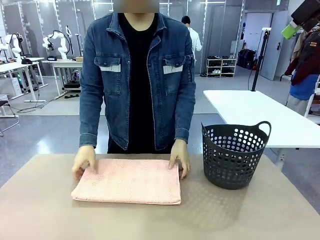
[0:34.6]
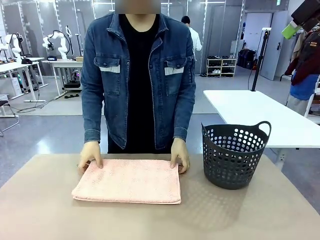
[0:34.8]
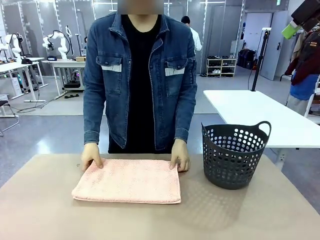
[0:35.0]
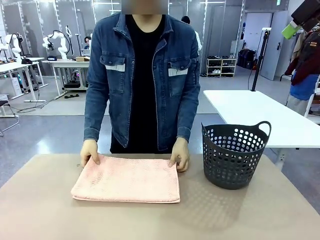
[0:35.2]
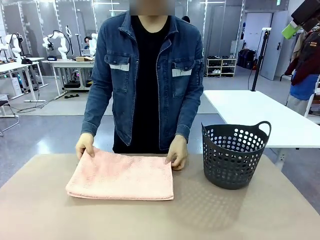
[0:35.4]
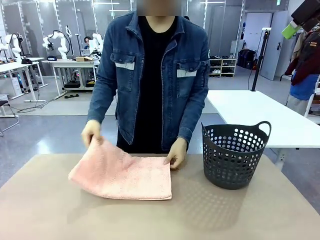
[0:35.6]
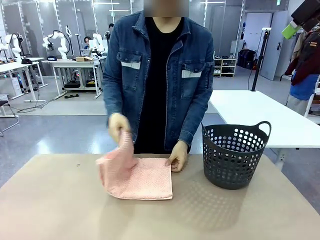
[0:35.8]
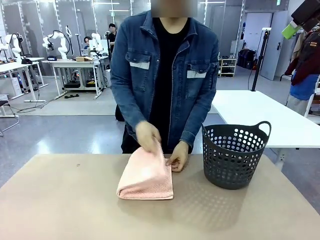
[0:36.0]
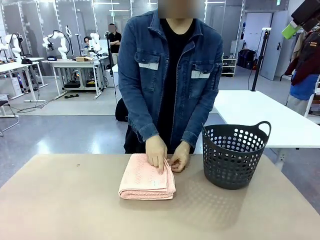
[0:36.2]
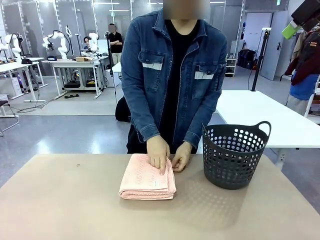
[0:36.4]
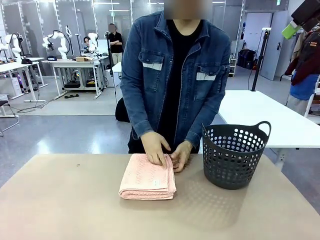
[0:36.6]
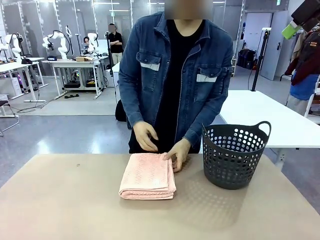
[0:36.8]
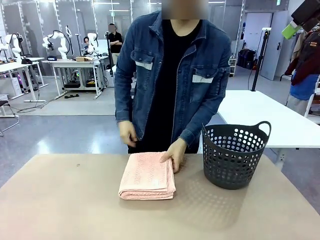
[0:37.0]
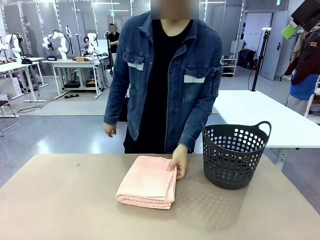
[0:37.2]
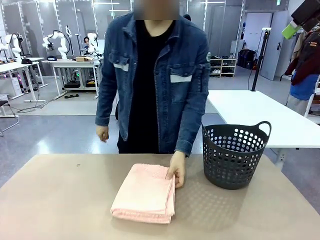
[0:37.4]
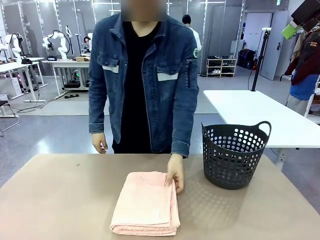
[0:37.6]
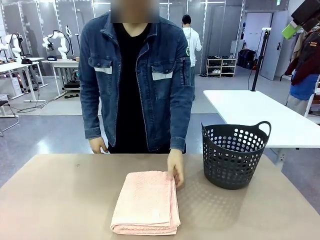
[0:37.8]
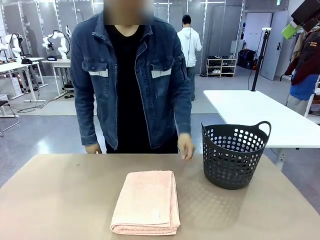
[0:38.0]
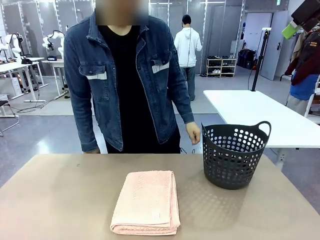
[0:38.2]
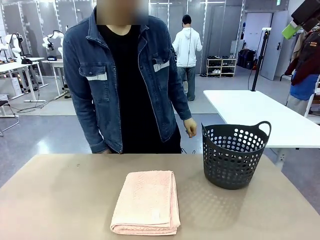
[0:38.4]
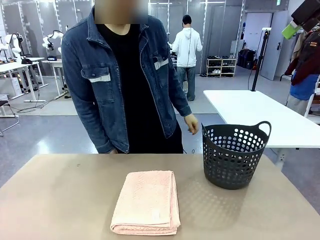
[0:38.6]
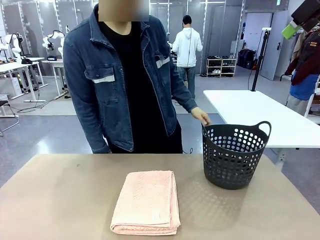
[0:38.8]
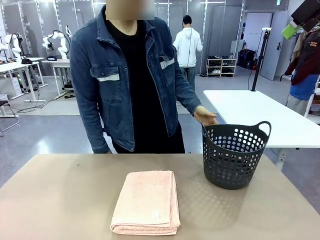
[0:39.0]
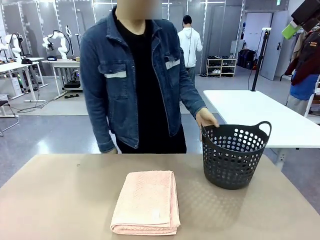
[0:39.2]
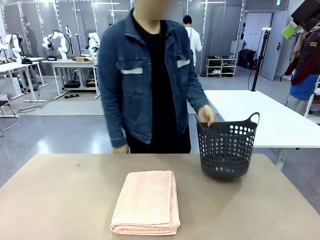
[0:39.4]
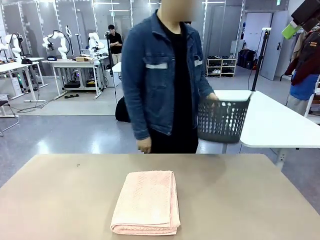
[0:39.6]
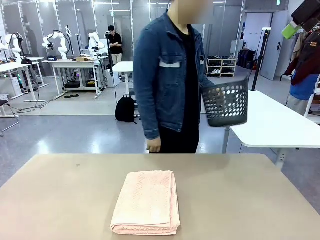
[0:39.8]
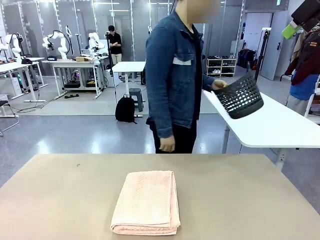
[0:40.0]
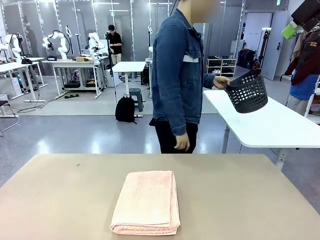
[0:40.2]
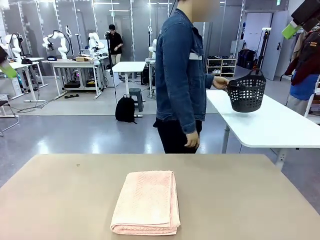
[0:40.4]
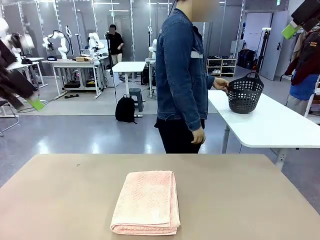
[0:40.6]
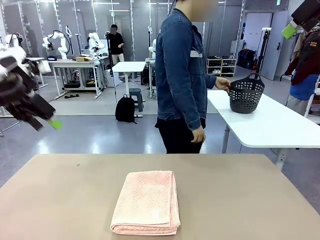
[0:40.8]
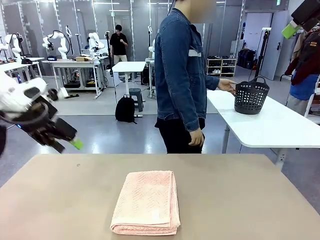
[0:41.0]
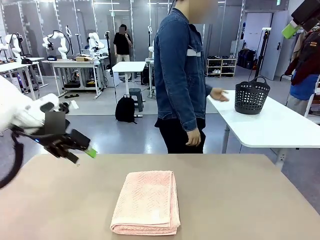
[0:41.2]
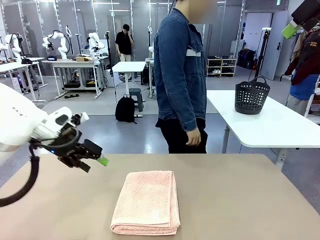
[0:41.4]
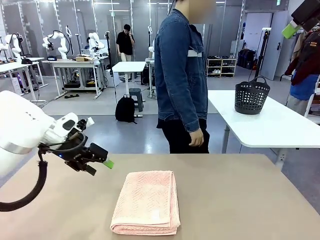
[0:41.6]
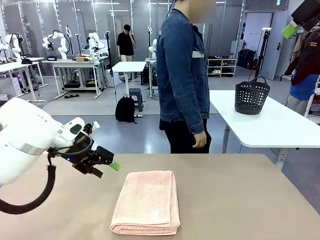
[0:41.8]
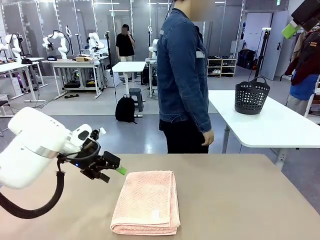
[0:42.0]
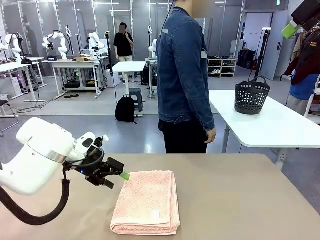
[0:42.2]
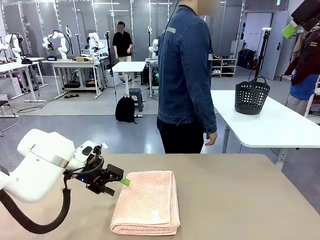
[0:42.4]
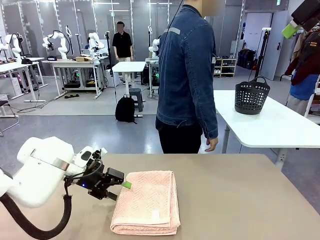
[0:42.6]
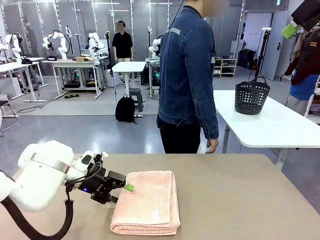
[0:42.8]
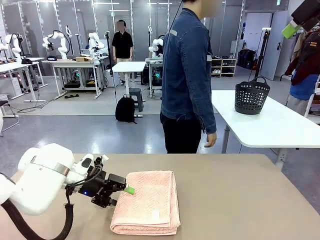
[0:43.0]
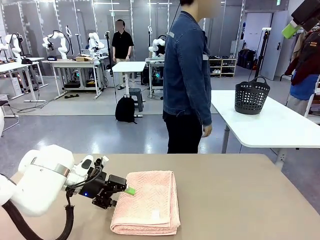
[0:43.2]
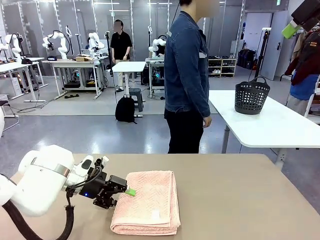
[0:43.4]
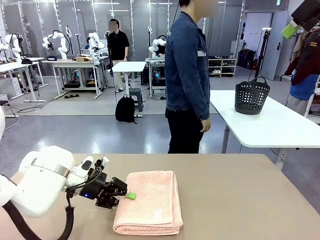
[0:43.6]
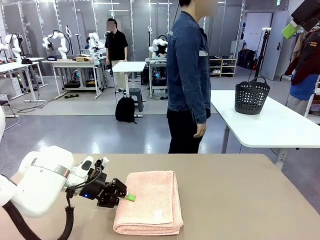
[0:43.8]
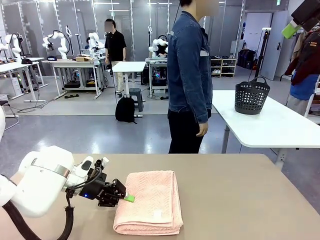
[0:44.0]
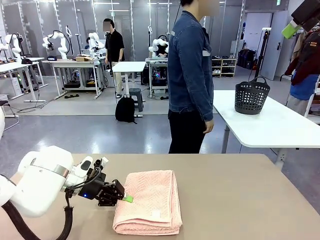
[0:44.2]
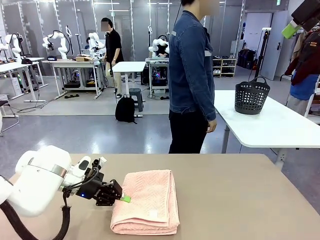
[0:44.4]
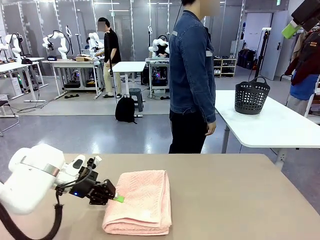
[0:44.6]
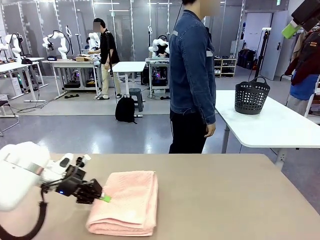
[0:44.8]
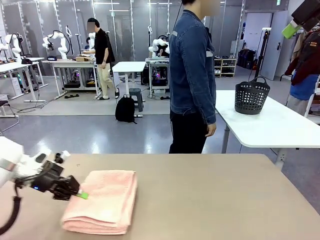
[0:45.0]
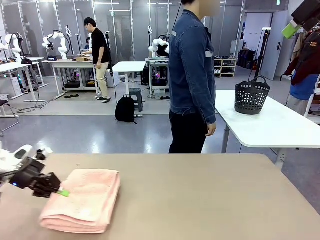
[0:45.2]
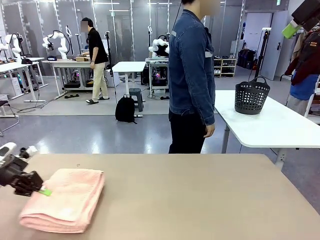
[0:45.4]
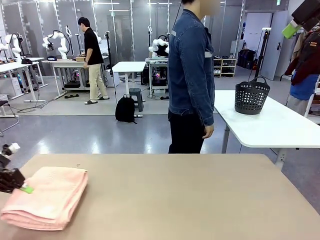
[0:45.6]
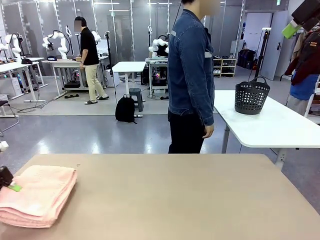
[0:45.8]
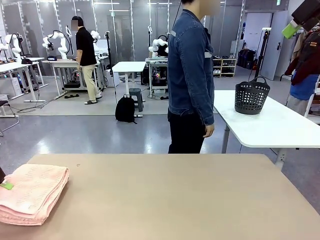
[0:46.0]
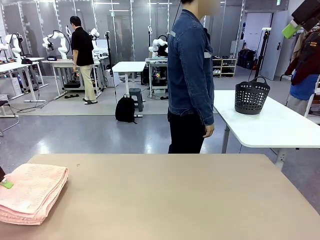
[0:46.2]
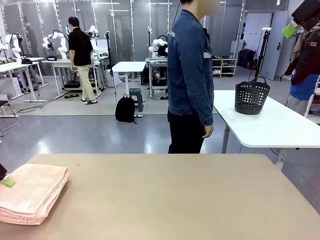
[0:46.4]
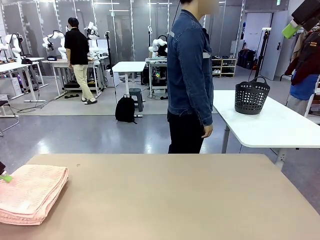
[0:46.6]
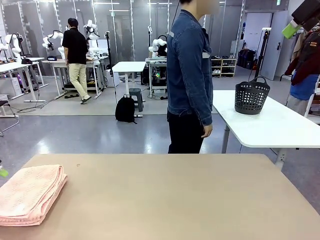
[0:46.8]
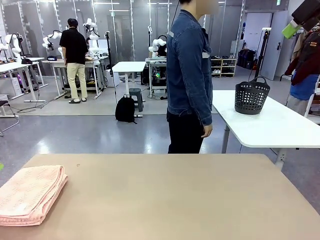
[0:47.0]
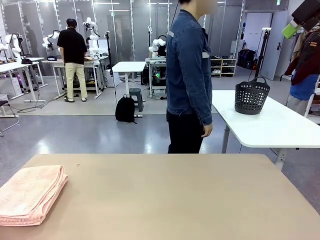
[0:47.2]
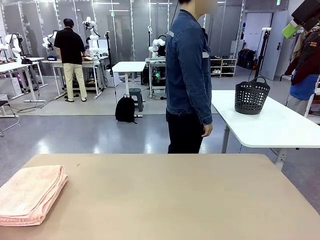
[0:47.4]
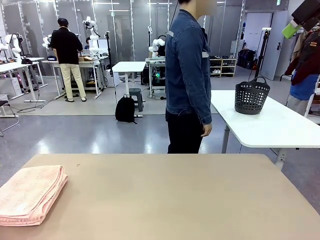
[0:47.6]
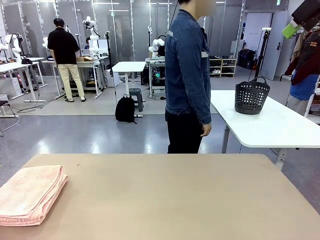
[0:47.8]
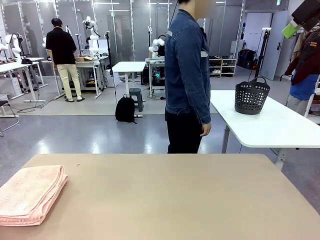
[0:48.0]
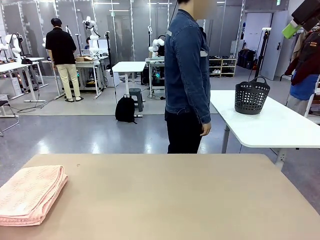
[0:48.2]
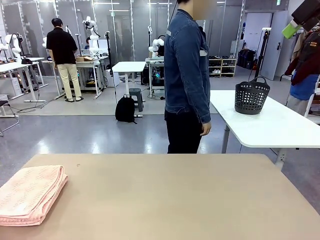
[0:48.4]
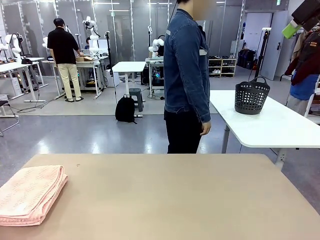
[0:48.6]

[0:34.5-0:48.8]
Task: Fold the towel.
Robot: Pick up the 100 cm Hotel Towel and place it on the left side of the table.
Person: Place the towel at the center of the robot table and fold it in half. Pick up the laundry basket and place it at the center of the human table.

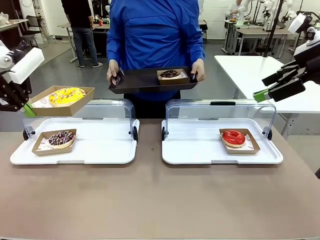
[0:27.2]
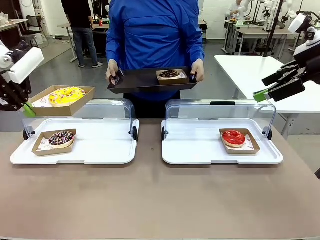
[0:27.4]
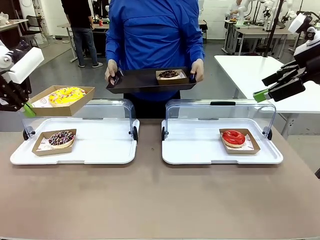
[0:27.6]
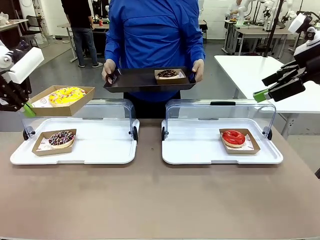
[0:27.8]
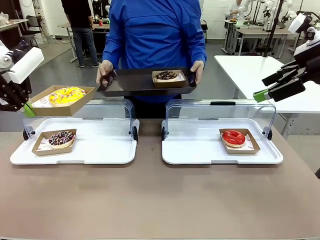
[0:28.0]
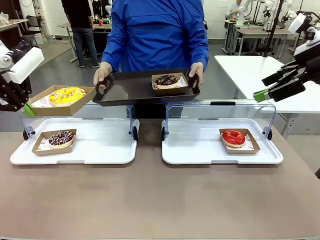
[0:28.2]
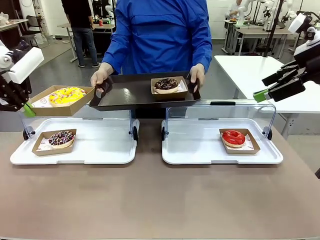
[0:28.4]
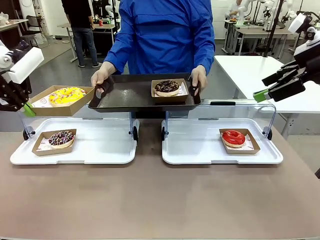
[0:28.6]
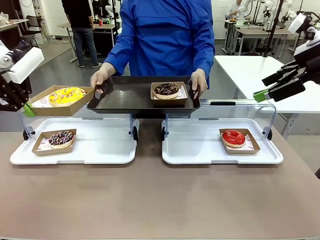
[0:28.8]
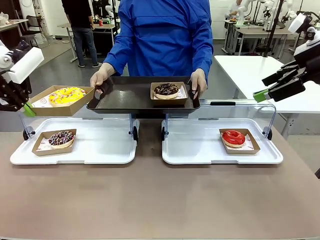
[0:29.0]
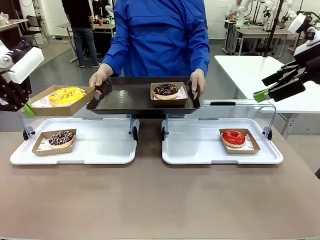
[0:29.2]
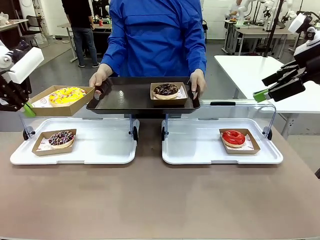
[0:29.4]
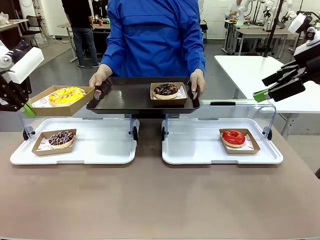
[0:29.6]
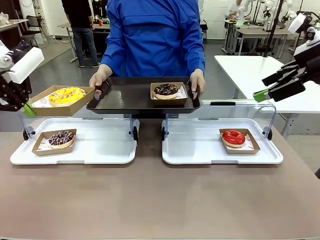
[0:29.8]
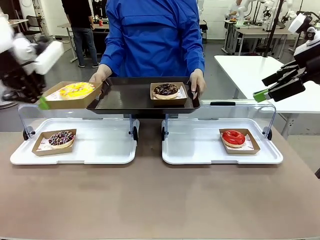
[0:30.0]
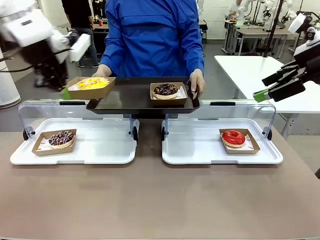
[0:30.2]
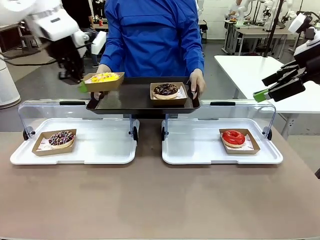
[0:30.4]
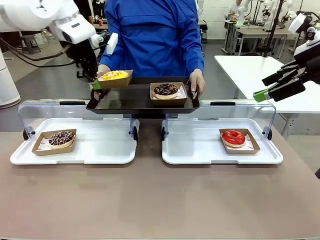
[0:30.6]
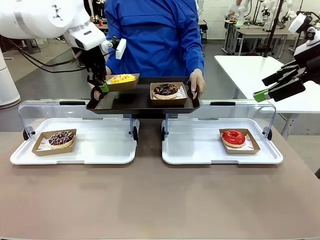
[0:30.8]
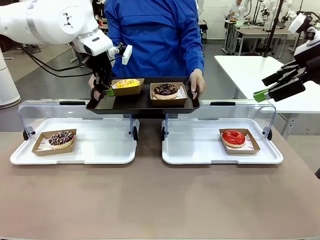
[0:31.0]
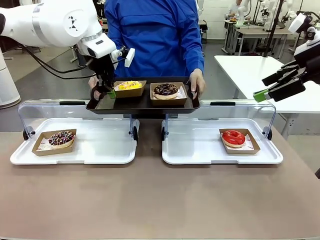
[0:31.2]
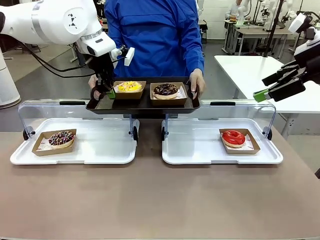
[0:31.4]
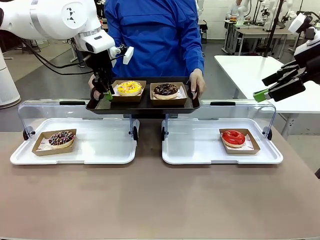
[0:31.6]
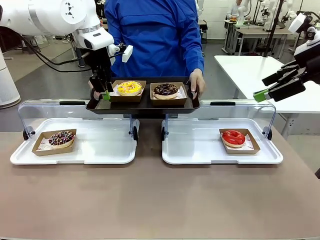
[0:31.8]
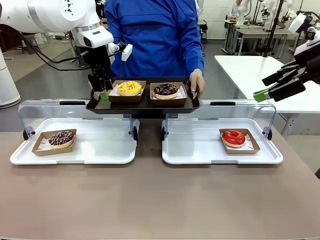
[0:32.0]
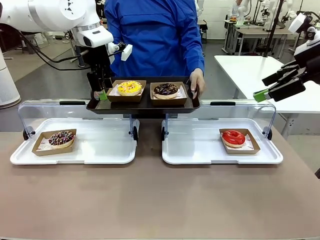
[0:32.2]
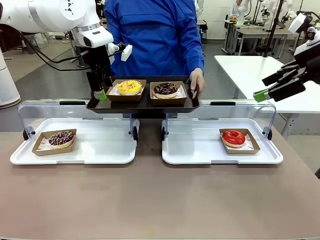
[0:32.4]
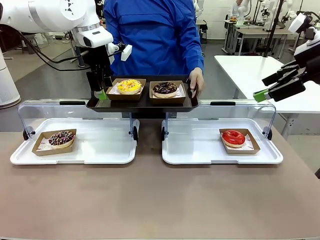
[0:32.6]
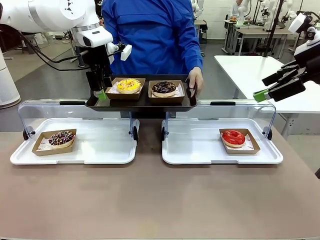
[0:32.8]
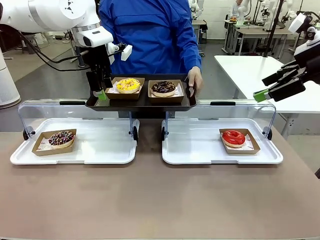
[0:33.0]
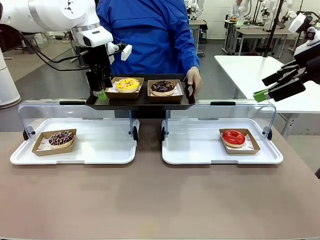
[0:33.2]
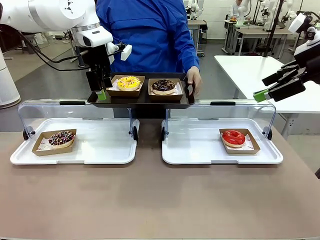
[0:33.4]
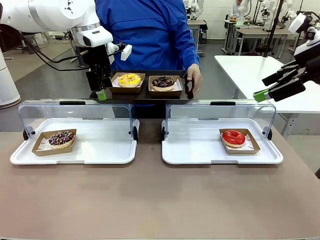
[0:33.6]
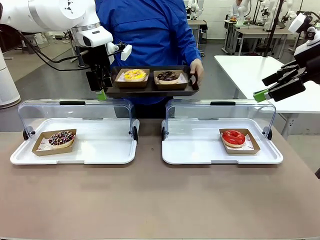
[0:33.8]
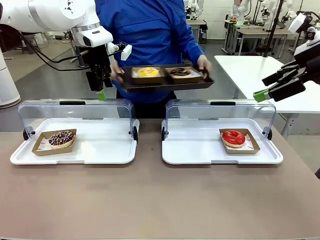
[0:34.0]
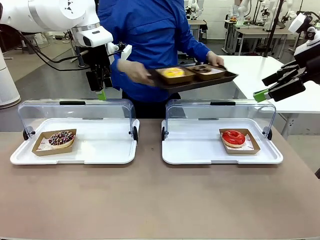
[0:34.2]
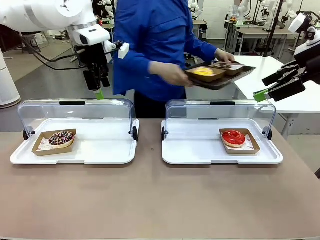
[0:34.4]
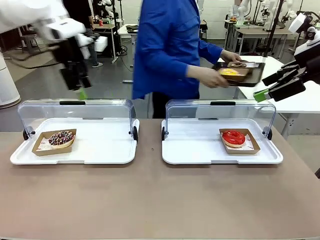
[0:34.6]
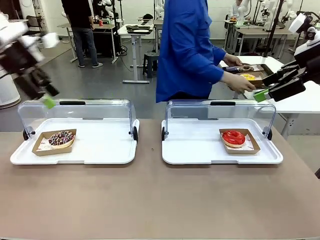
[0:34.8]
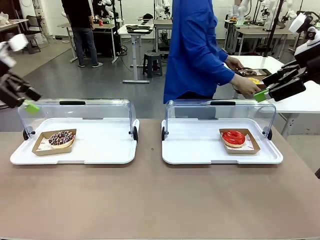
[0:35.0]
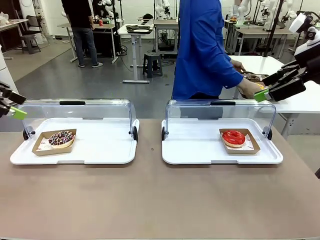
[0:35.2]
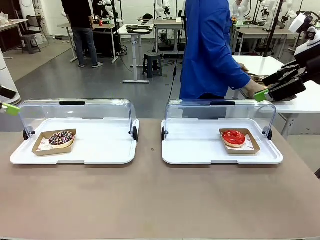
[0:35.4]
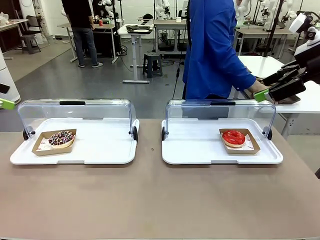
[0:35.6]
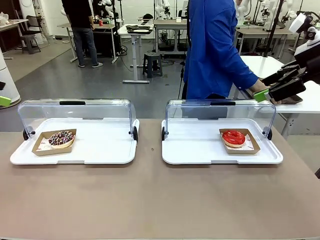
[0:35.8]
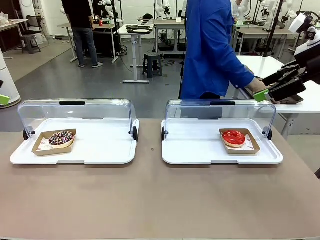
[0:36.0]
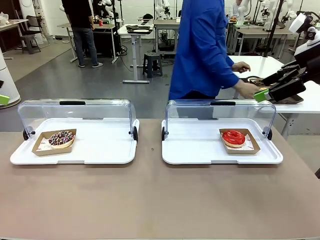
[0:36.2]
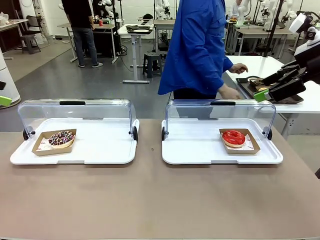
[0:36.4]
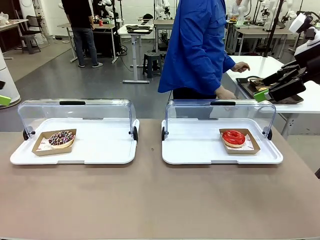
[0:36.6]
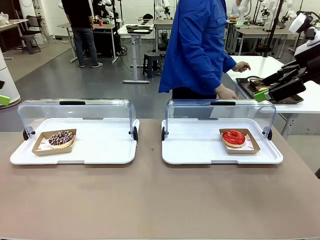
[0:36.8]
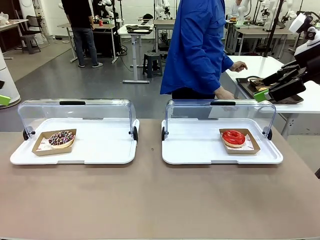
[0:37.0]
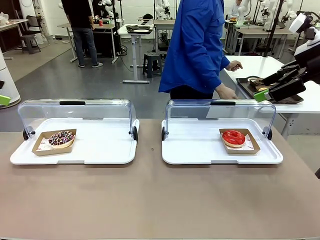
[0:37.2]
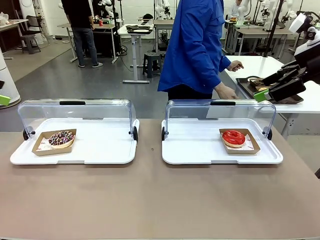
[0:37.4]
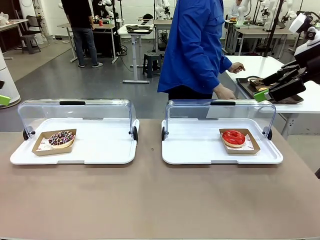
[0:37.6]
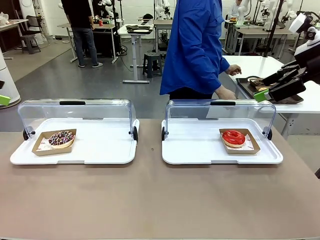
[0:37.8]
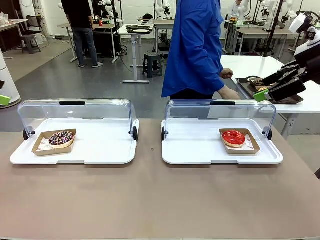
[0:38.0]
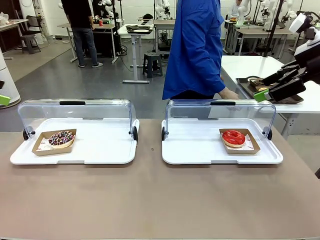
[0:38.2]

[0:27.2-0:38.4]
Task: Provide the desired donut to the person.
Robot: Place the picked Paper togo box onto the Handle tray extended by the person.
Person: Place the tray in the middle of the human table.
